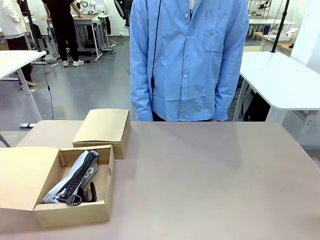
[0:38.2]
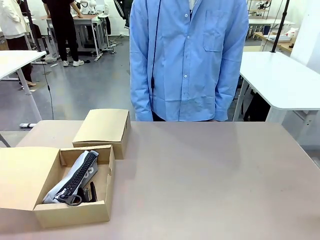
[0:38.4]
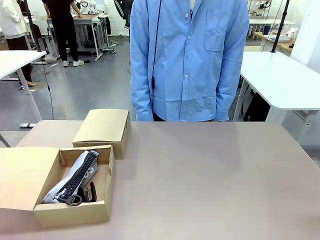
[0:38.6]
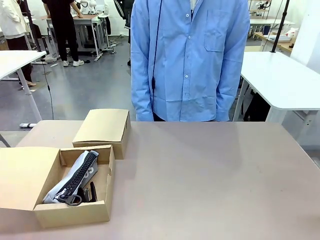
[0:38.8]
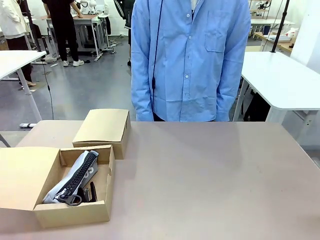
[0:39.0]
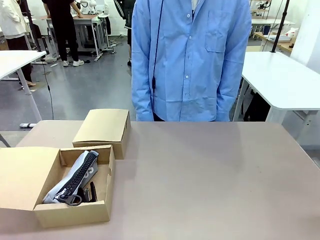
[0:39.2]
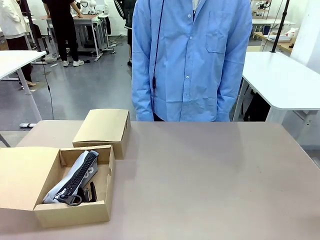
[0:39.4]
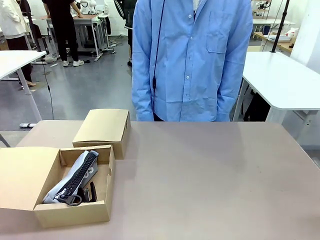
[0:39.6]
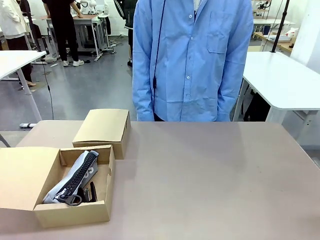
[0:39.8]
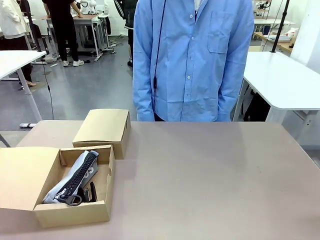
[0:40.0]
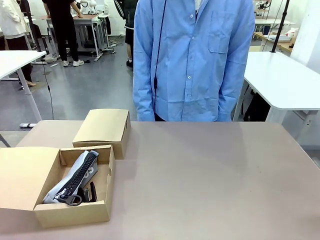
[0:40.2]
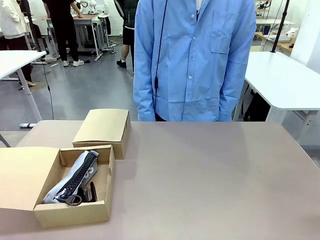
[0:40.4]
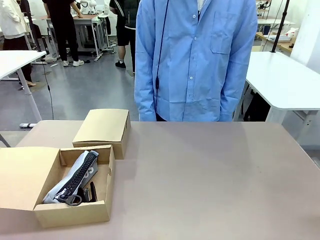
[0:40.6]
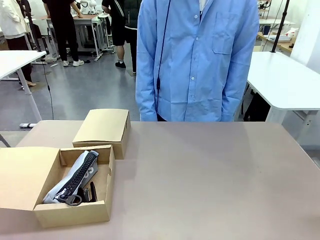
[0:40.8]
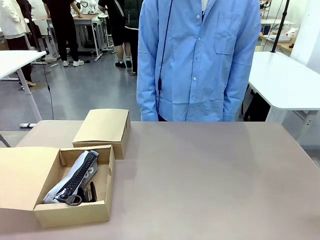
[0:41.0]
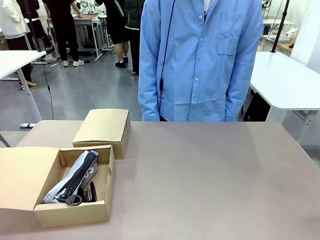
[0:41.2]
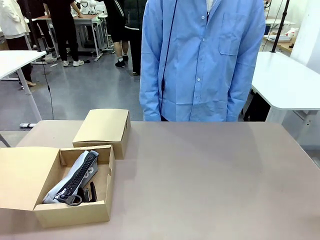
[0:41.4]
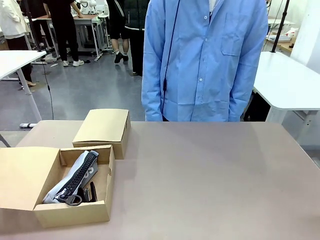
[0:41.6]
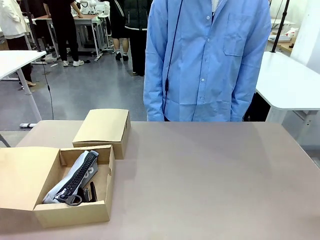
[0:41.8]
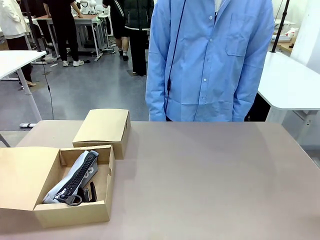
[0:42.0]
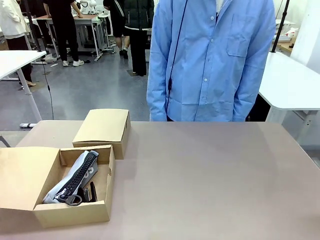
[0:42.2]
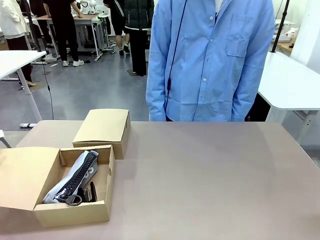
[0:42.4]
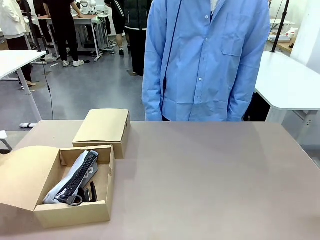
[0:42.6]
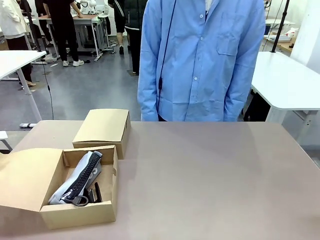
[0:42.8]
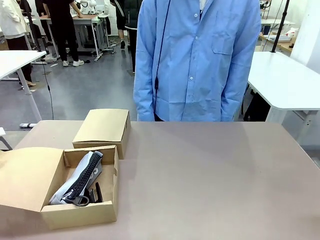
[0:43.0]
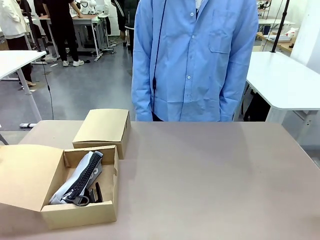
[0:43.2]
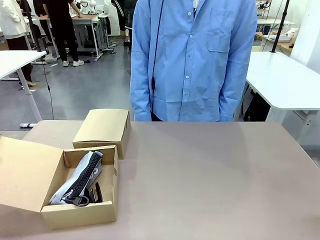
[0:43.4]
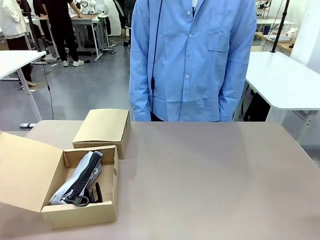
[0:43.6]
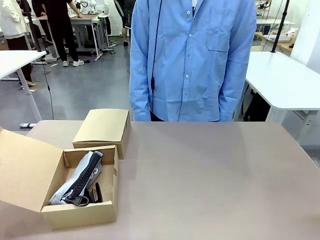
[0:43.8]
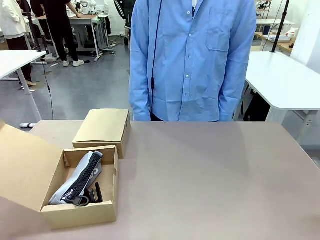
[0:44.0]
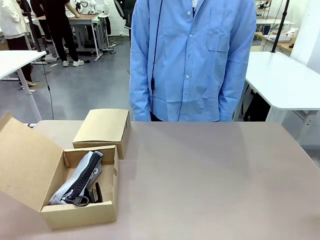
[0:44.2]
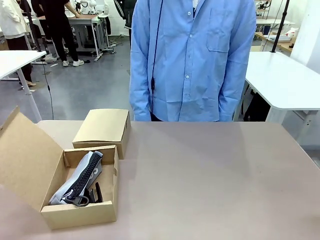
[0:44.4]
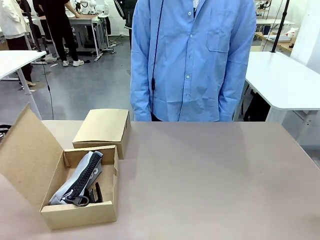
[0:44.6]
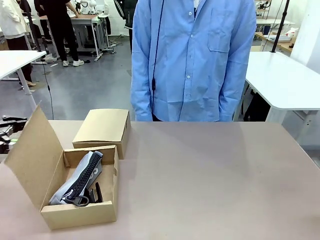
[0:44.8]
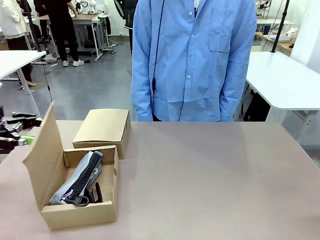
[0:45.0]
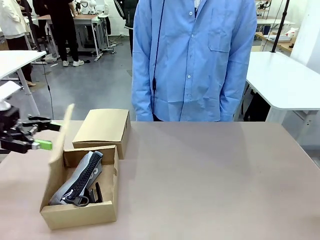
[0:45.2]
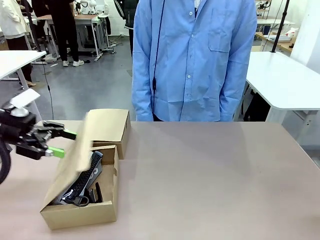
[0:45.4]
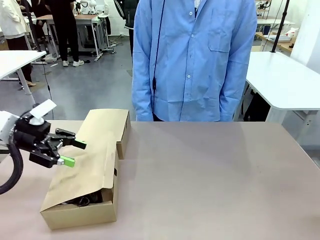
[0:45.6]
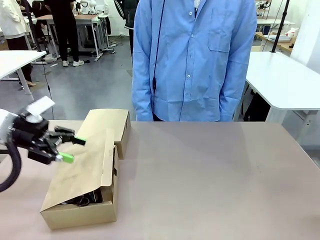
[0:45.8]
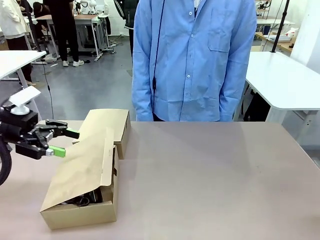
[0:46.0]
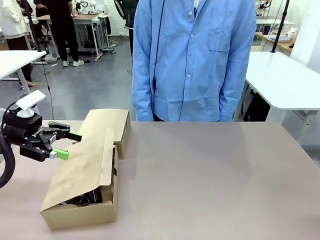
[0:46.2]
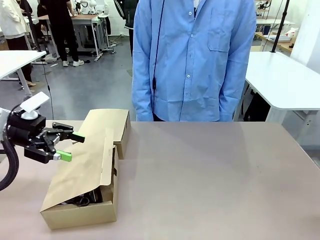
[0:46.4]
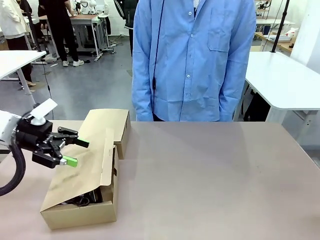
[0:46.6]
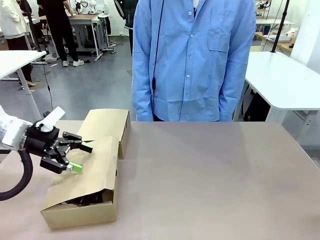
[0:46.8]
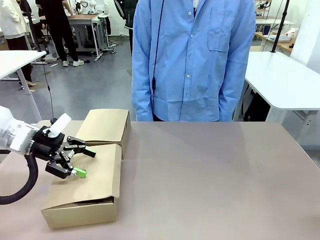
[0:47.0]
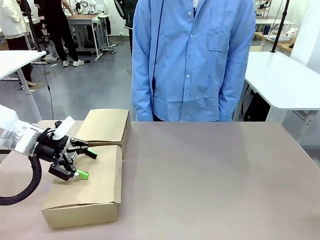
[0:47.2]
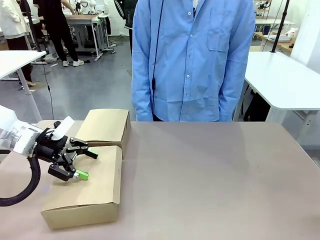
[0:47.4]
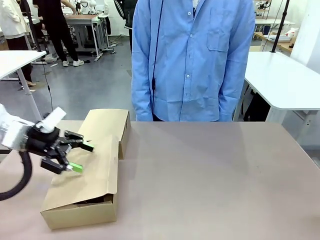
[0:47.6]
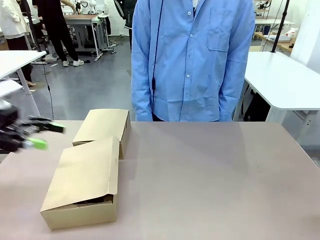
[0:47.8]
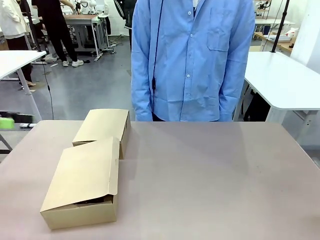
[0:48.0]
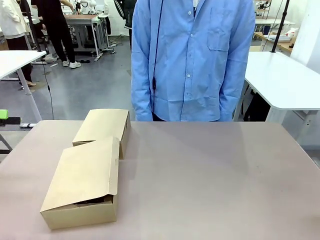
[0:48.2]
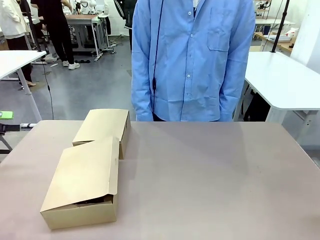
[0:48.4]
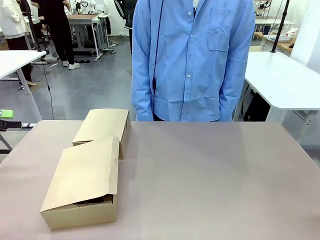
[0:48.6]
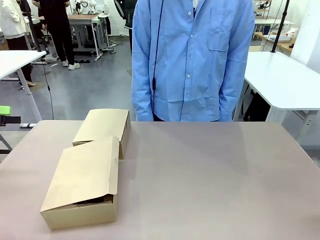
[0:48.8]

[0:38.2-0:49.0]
Task: Place items inside the box.
Robot: Close the lid of the Mailer Box closest to the robot.

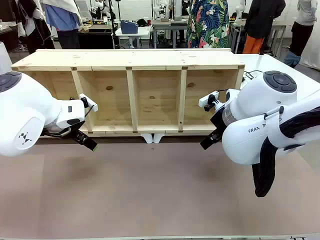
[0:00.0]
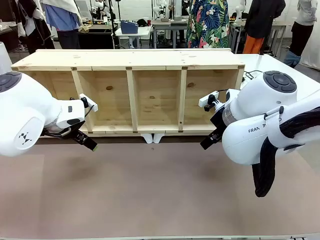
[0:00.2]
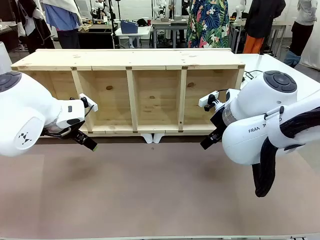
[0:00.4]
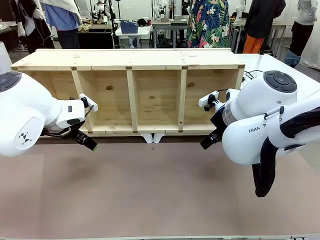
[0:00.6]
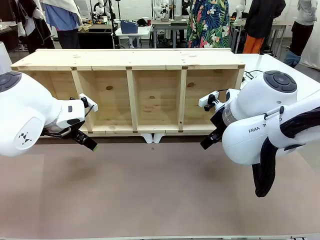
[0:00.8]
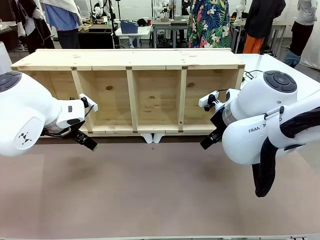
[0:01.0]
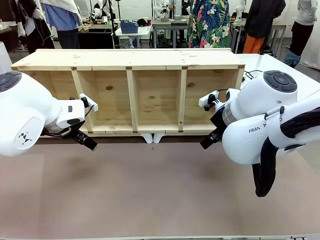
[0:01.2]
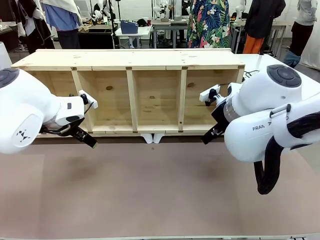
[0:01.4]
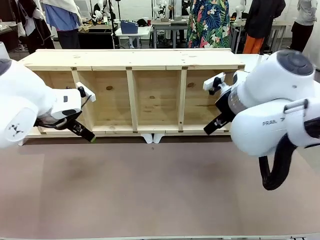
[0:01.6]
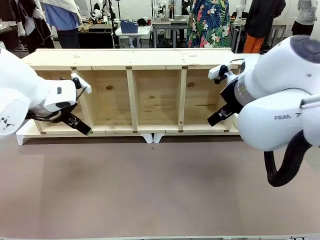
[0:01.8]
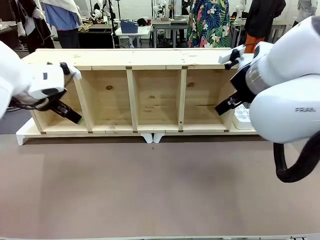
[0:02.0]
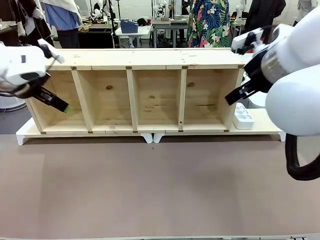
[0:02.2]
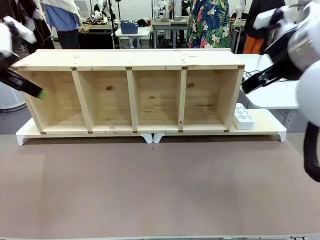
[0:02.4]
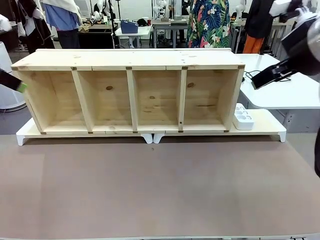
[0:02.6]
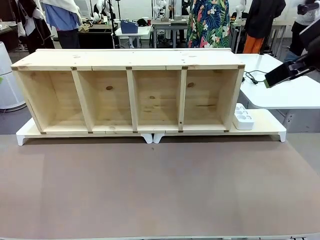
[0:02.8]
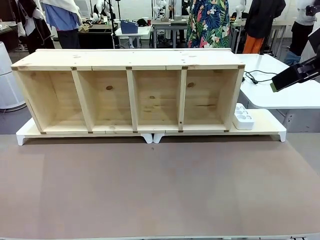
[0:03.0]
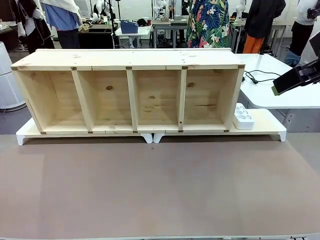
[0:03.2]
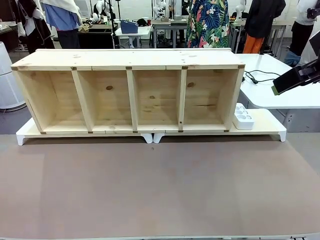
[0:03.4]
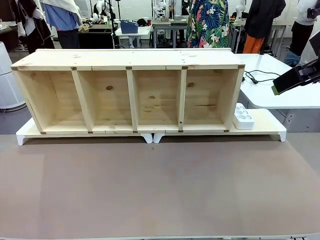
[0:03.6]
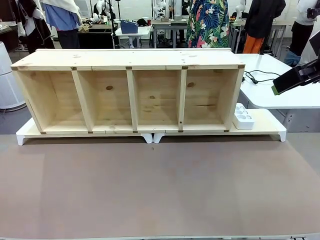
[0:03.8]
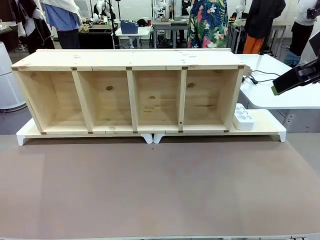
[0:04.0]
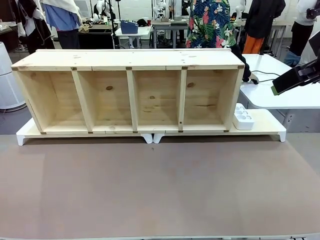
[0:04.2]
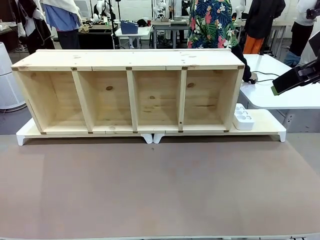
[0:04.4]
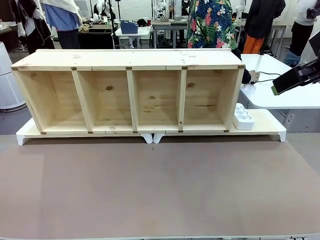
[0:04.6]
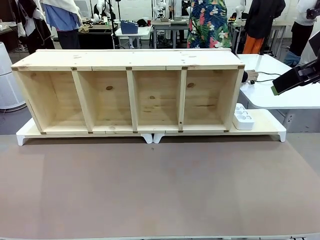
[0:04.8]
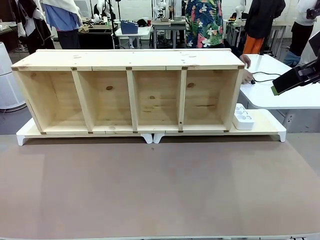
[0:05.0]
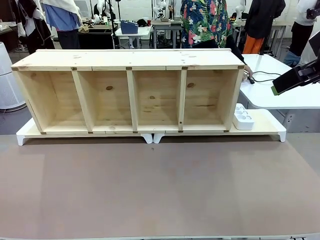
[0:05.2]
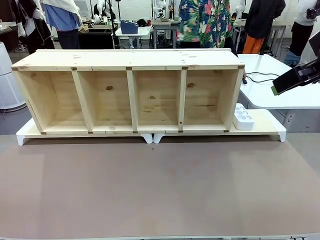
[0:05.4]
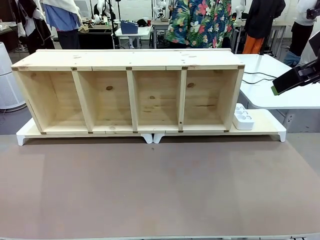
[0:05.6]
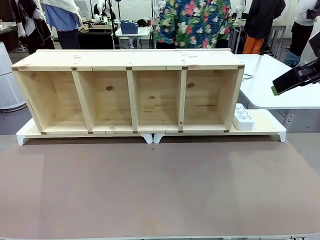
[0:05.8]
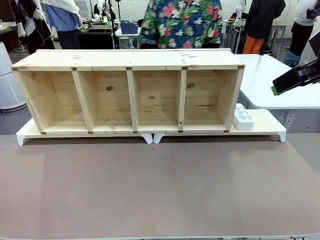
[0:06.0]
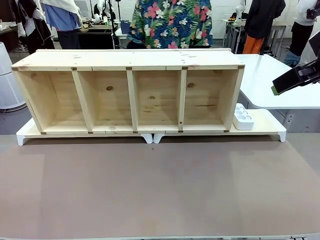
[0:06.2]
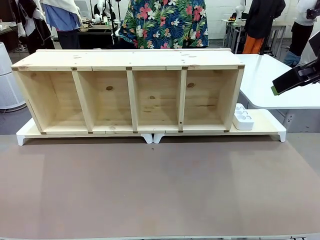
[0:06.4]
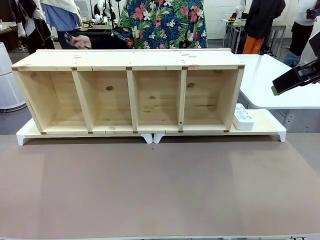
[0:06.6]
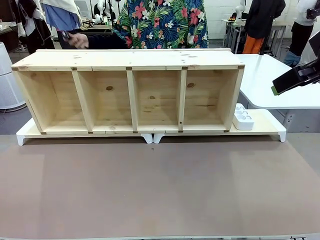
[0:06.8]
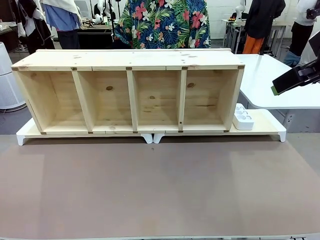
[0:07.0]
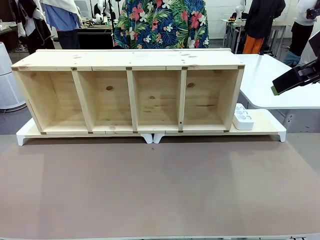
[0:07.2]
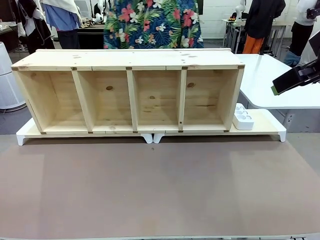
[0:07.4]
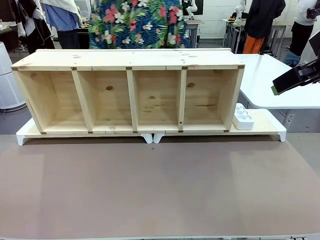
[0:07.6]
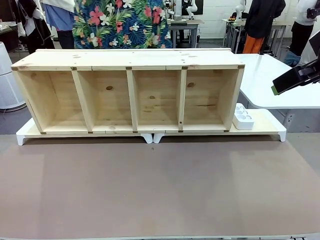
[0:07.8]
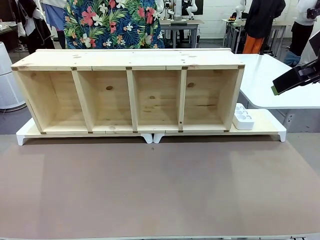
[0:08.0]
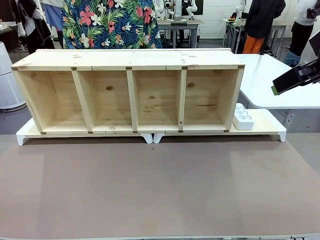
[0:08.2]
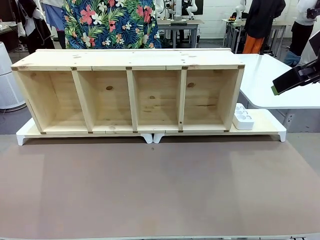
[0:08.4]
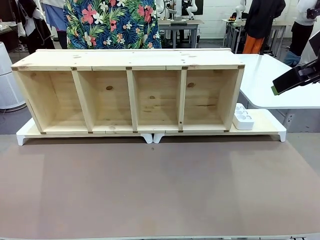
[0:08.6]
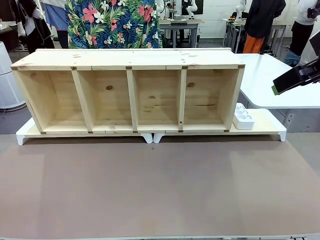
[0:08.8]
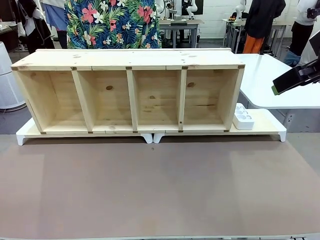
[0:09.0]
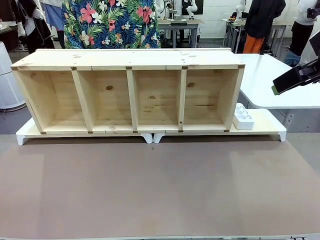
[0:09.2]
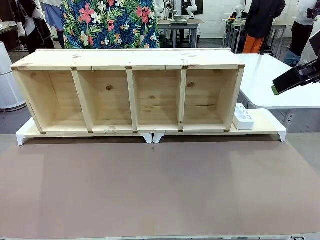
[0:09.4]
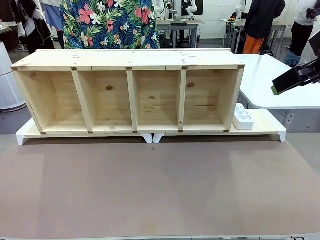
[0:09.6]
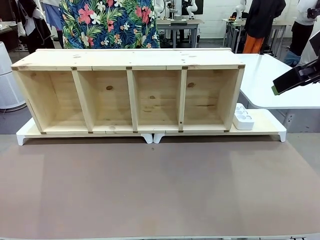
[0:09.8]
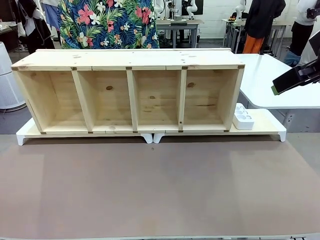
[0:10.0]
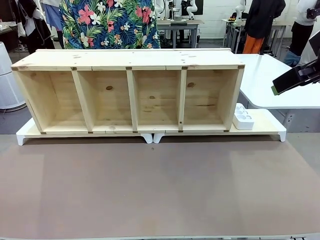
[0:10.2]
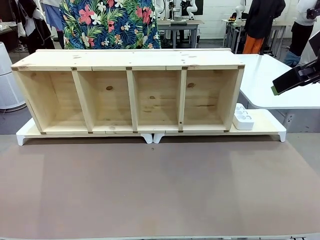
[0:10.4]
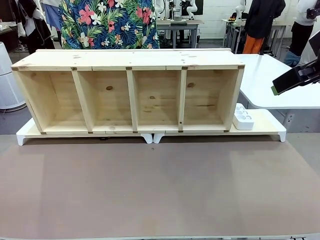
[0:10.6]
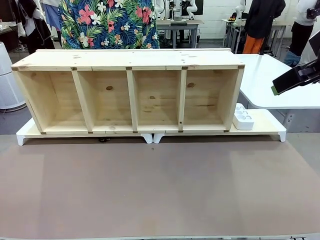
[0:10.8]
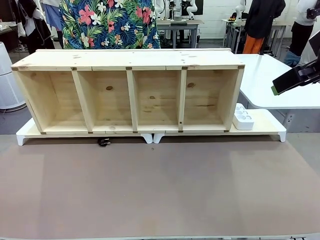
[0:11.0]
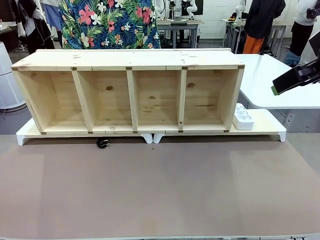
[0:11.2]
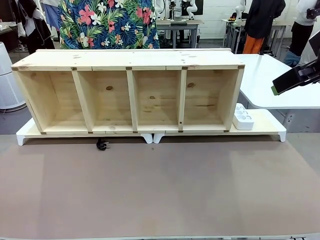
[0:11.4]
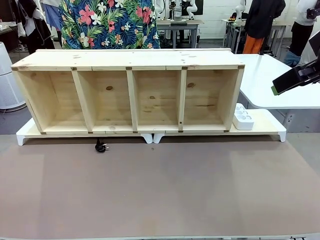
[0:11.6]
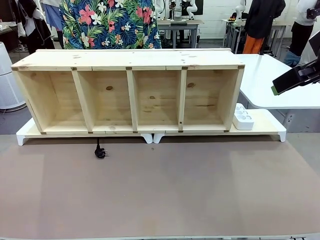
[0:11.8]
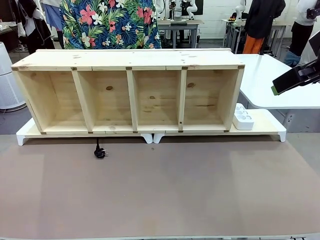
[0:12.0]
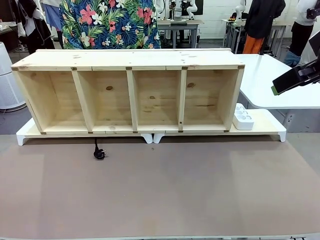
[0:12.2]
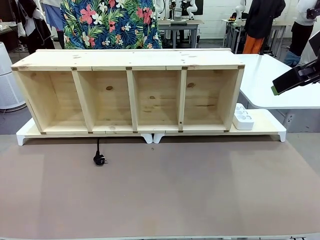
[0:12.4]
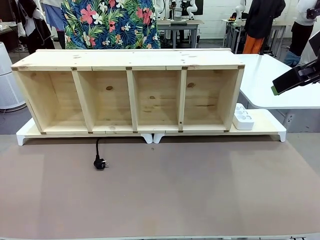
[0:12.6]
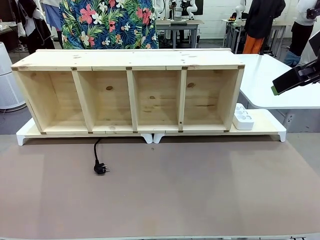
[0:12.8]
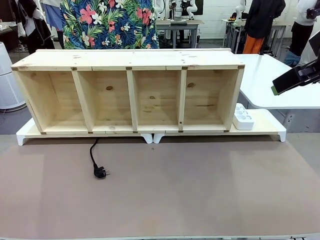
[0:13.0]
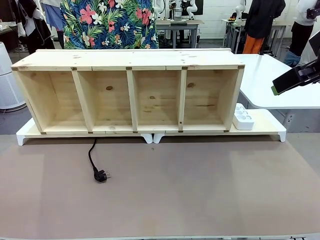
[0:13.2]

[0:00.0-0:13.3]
Task: Perform cable management.
Robot: When the cord part of the Power Cable appears at the lower middle area of the table and stops, grasp the cord part of the Power Cable.
Person: Pass the Power Cable under the Serving Table.
